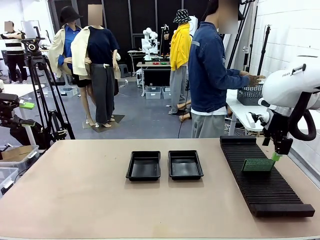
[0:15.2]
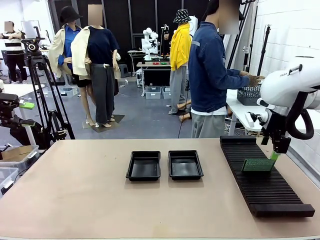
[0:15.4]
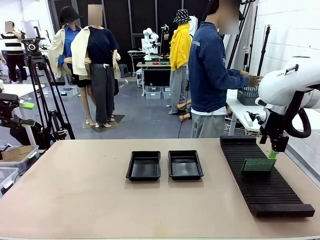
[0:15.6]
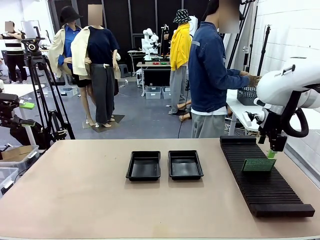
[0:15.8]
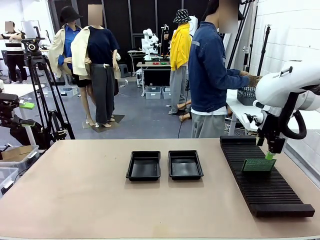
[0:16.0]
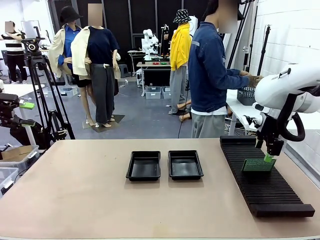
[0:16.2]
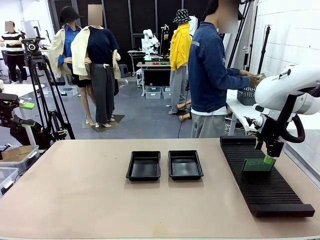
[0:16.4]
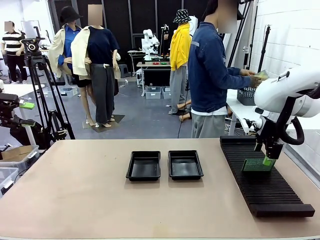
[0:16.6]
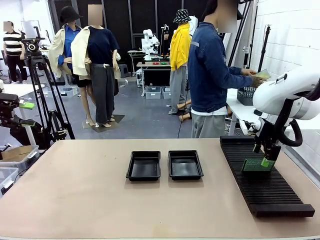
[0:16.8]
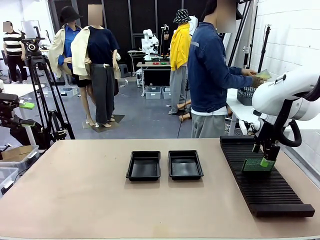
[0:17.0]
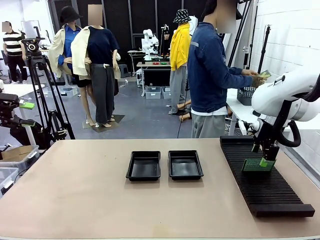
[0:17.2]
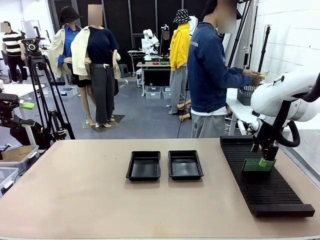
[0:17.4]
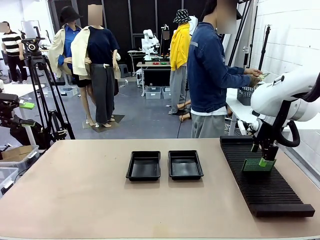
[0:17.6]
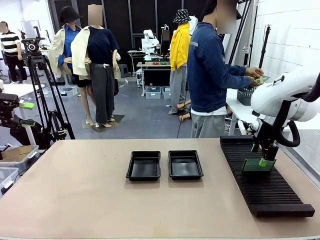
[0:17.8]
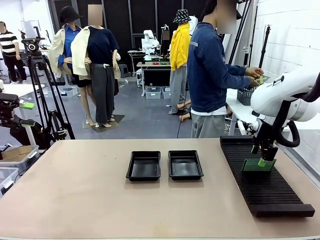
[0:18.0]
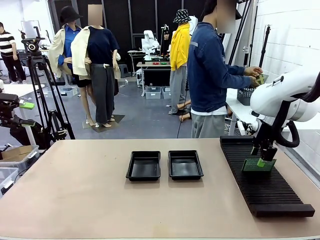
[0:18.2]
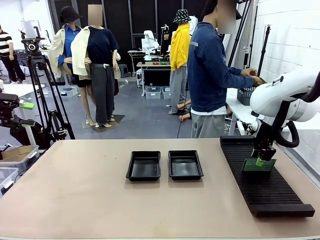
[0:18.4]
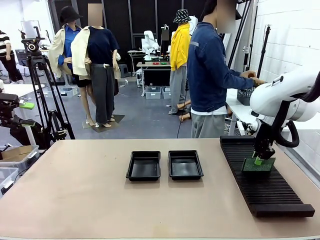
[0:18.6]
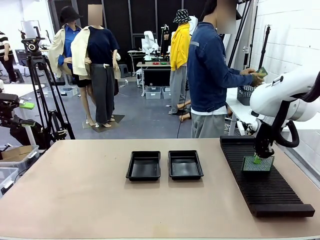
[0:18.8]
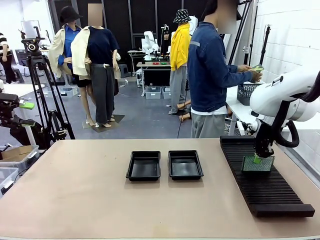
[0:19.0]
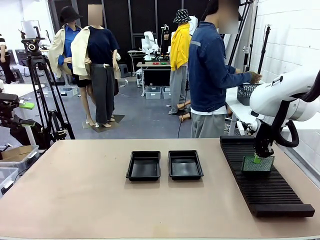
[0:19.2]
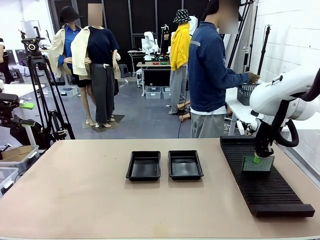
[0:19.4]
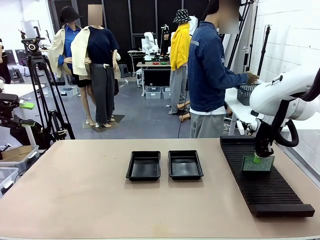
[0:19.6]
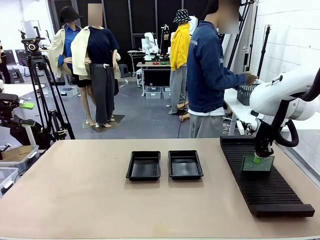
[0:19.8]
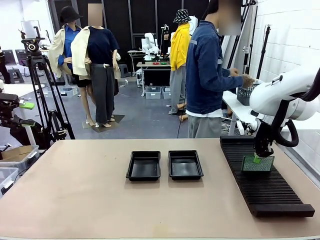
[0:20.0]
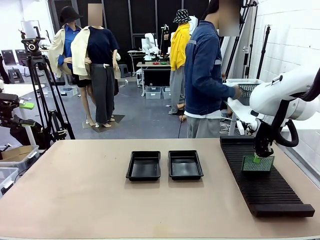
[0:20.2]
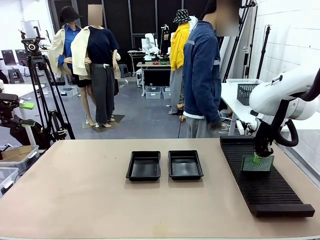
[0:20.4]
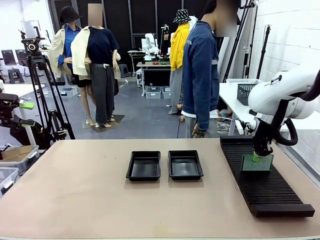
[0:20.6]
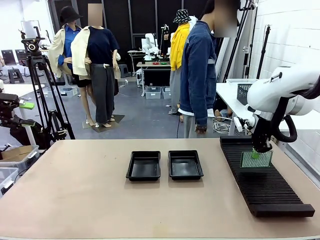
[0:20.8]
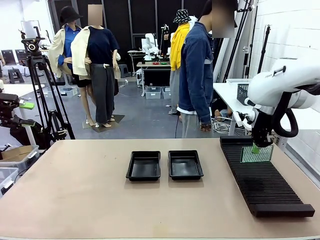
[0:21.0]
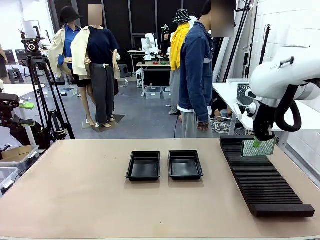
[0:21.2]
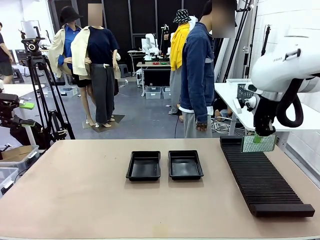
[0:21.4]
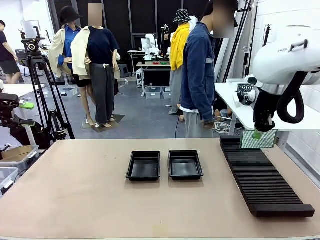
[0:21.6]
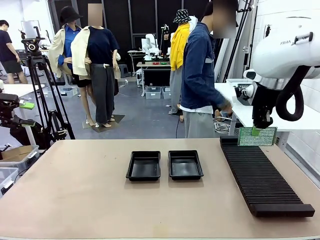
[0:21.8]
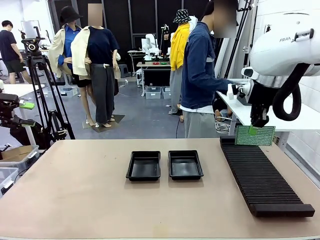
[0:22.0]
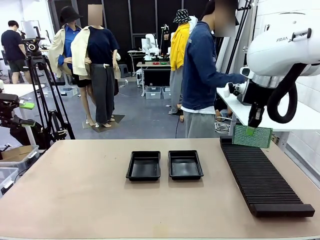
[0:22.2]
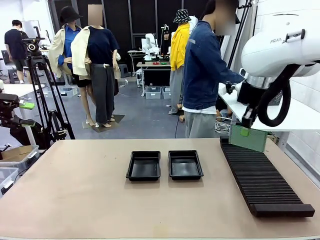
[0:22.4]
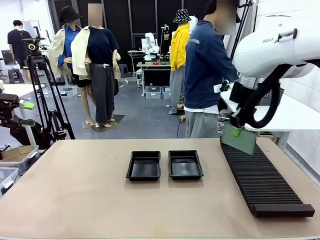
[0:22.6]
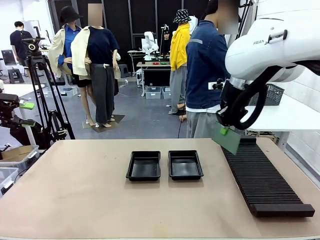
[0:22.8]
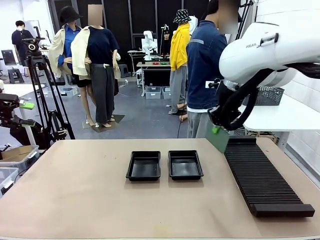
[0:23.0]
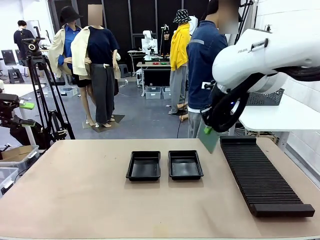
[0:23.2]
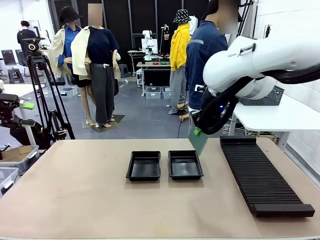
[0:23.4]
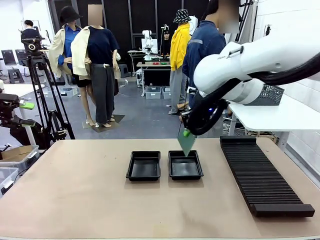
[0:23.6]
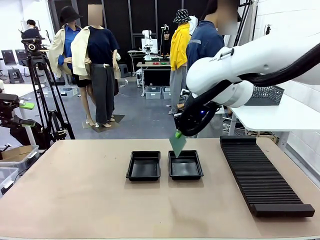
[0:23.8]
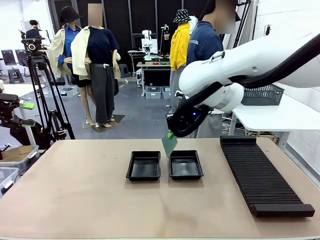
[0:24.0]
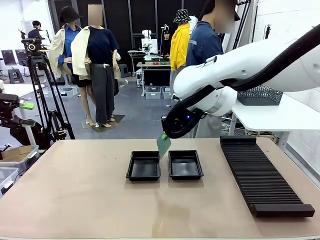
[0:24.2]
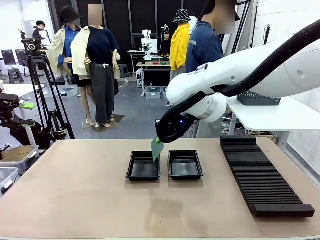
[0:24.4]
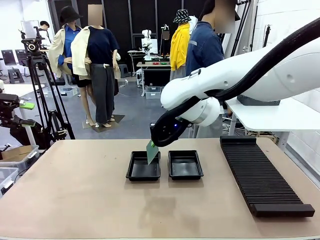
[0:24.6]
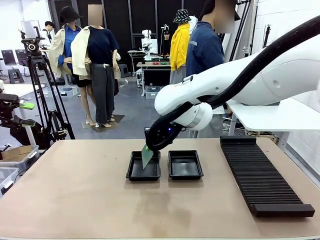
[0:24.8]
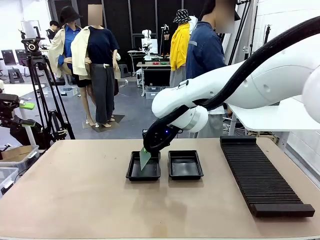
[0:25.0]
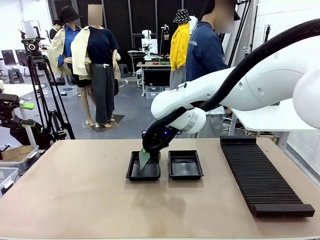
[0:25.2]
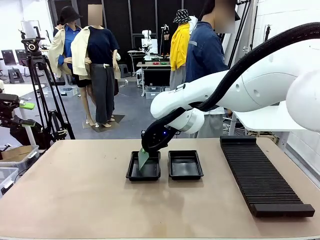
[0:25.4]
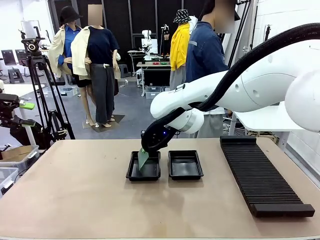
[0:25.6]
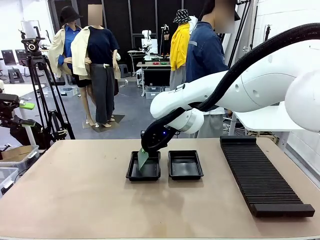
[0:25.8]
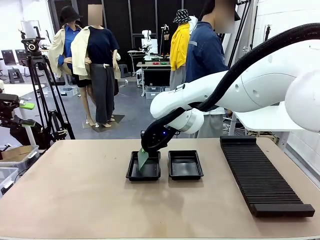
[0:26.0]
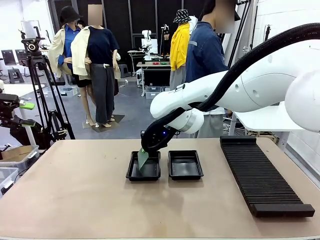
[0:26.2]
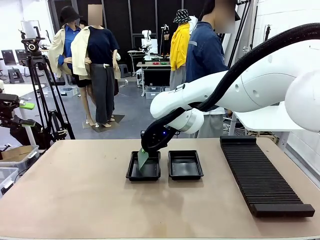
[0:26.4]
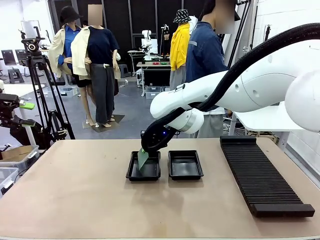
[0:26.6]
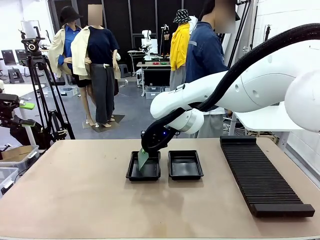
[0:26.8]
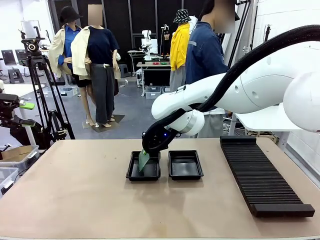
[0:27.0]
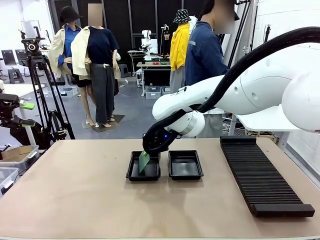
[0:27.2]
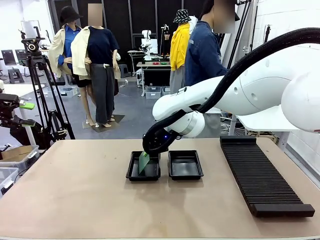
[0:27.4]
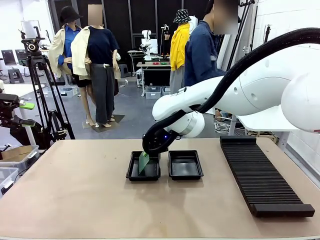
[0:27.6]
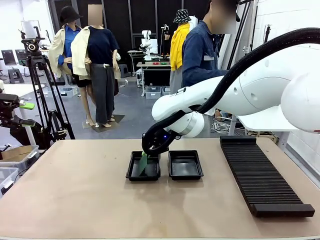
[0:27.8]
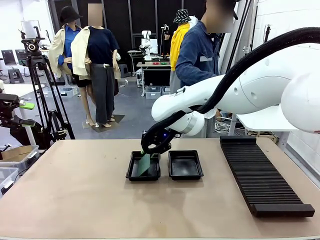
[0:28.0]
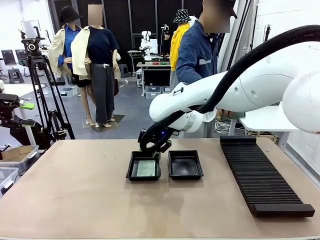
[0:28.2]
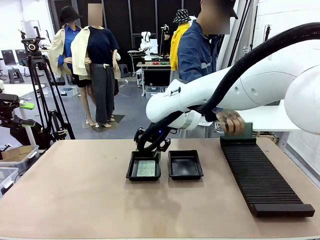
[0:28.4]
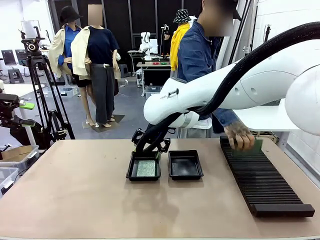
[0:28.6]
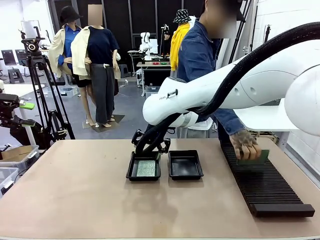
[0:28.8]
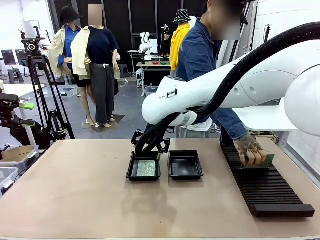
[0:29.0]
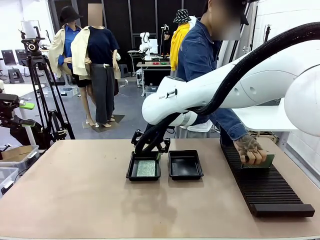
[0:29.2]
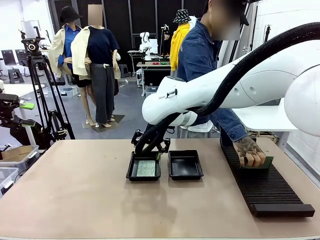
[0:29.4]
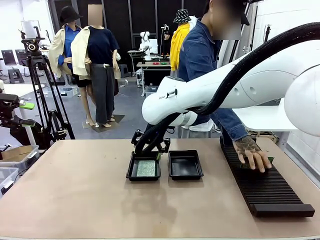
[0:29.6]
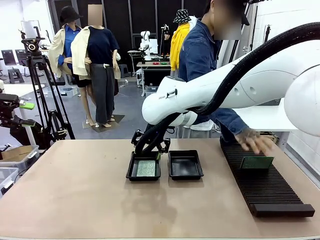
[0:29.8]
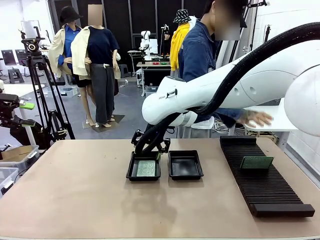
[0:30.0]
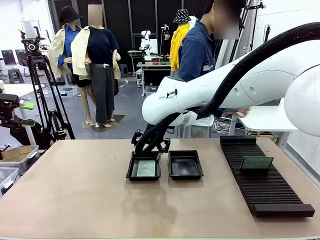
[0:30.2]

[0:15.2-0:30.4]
Task: Inspect and transfer BCBs to ESD trays.
Robot: Pick up the Blank PCB from the PCB Rack and place it in the left ESD tray.
